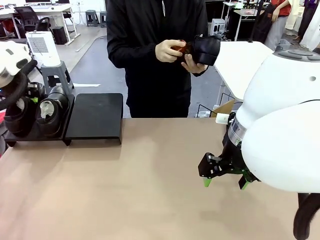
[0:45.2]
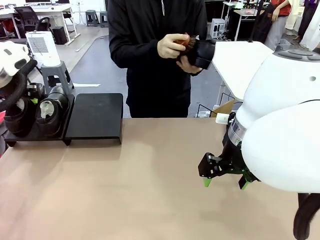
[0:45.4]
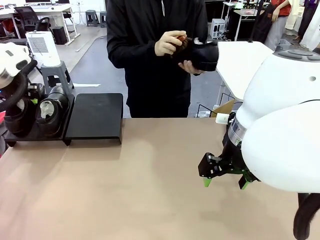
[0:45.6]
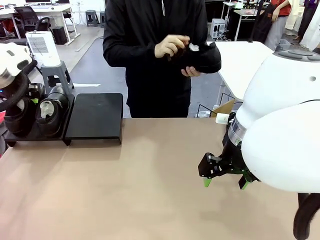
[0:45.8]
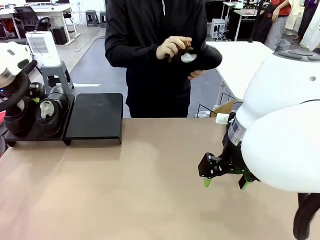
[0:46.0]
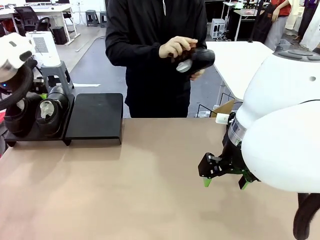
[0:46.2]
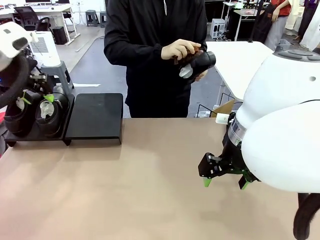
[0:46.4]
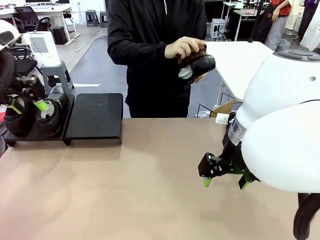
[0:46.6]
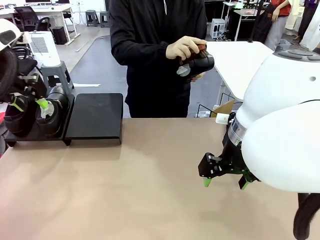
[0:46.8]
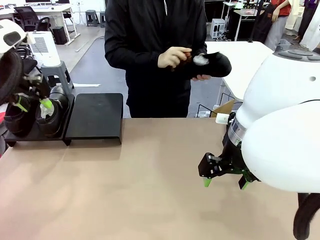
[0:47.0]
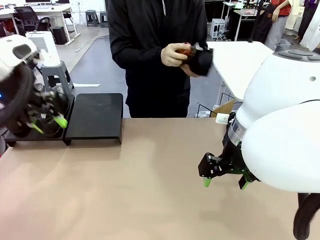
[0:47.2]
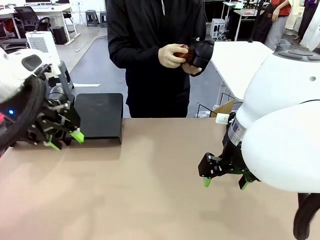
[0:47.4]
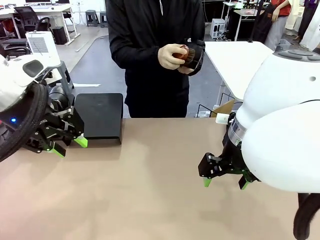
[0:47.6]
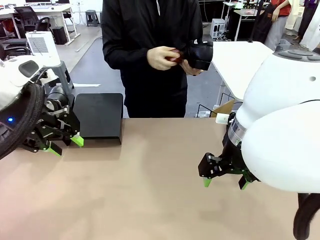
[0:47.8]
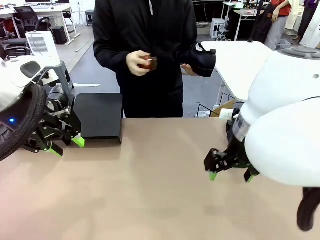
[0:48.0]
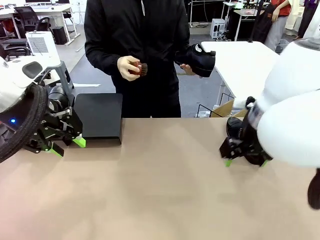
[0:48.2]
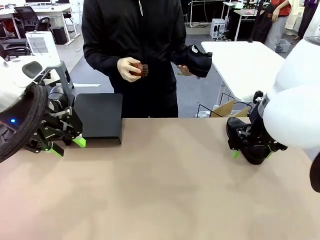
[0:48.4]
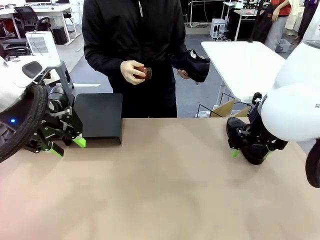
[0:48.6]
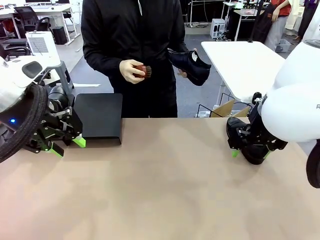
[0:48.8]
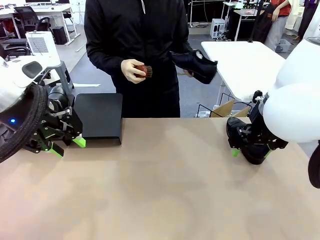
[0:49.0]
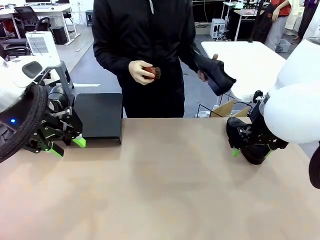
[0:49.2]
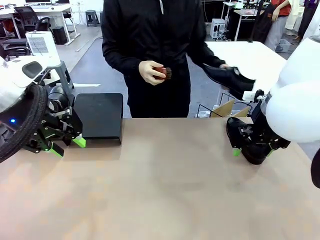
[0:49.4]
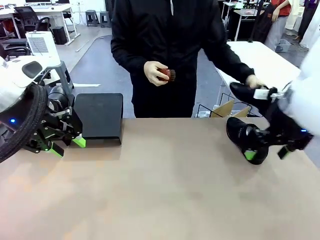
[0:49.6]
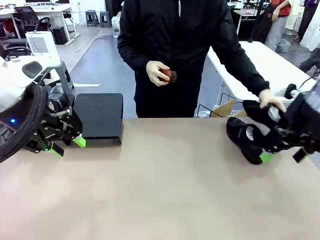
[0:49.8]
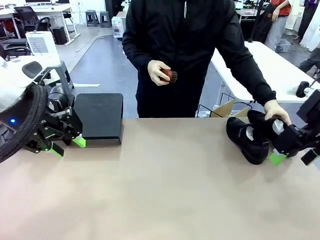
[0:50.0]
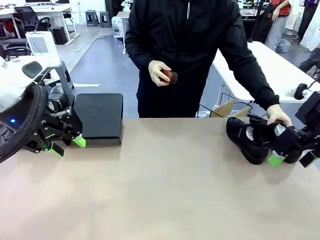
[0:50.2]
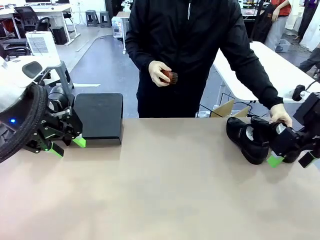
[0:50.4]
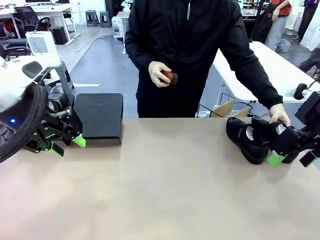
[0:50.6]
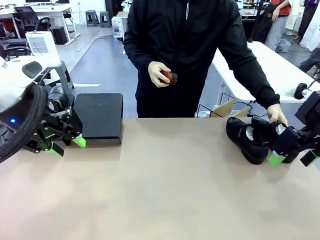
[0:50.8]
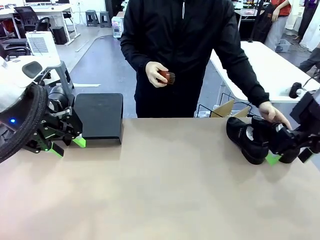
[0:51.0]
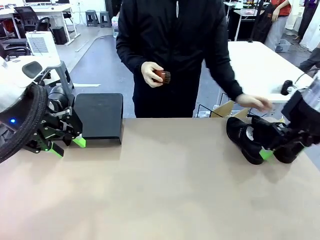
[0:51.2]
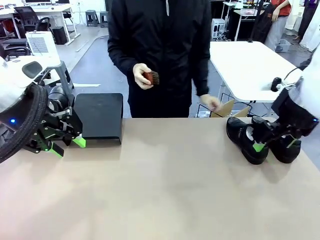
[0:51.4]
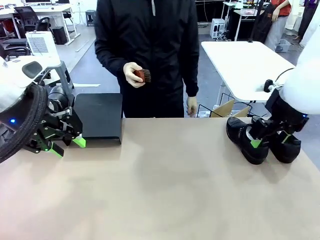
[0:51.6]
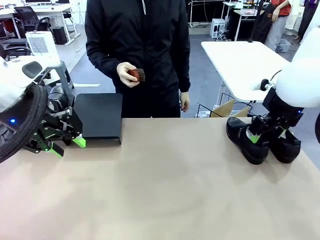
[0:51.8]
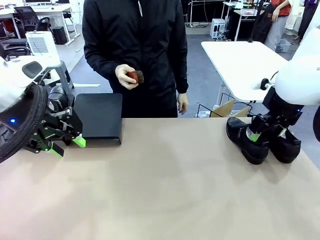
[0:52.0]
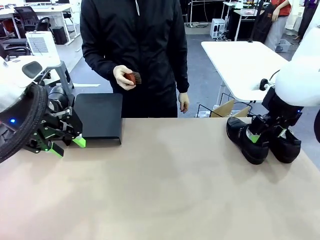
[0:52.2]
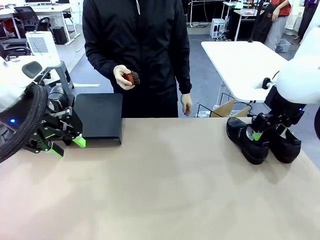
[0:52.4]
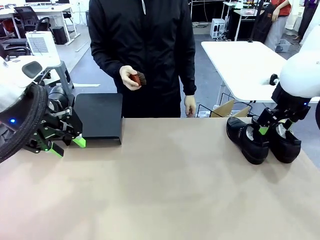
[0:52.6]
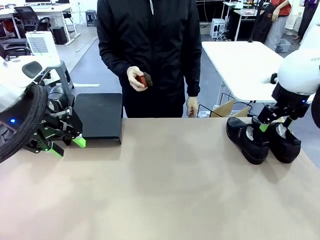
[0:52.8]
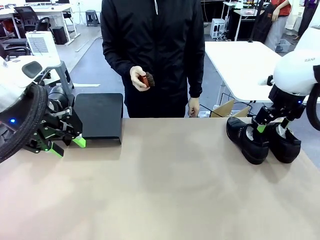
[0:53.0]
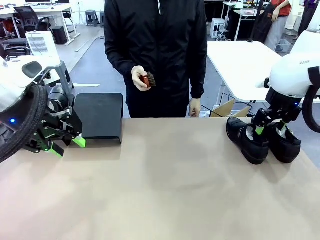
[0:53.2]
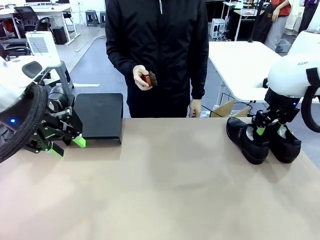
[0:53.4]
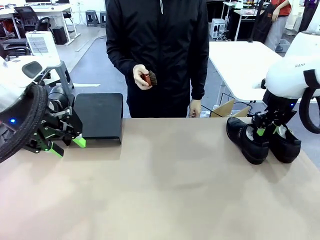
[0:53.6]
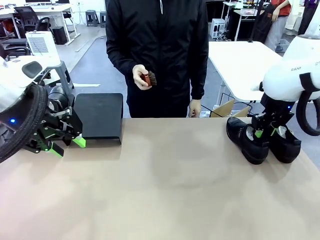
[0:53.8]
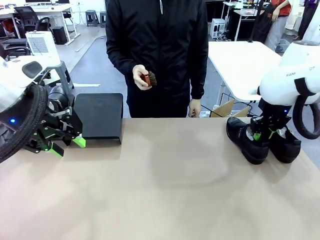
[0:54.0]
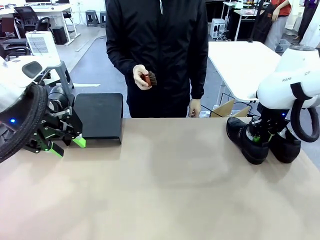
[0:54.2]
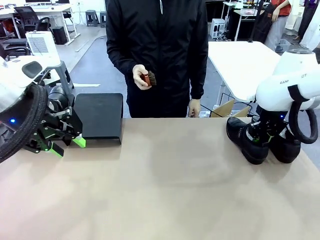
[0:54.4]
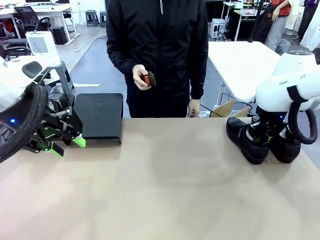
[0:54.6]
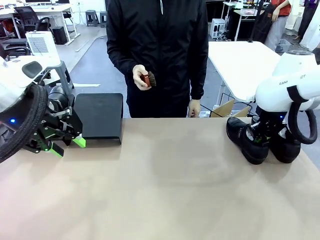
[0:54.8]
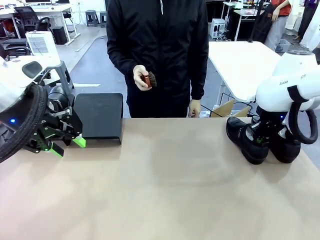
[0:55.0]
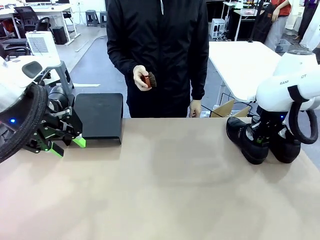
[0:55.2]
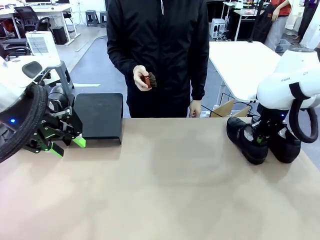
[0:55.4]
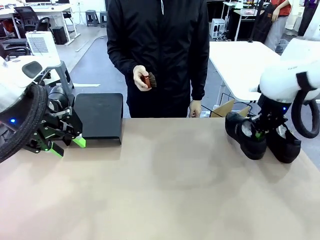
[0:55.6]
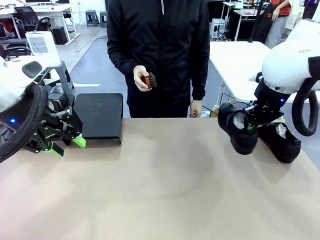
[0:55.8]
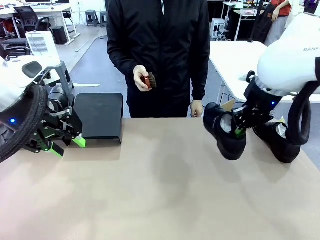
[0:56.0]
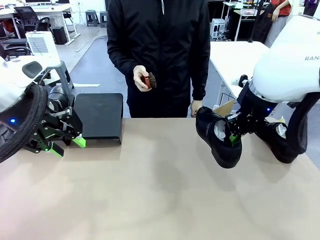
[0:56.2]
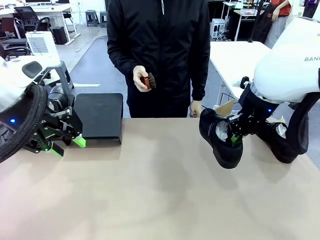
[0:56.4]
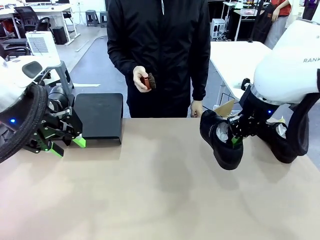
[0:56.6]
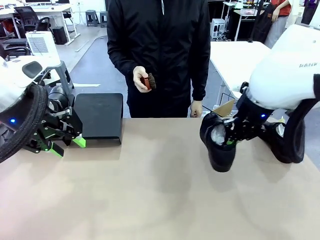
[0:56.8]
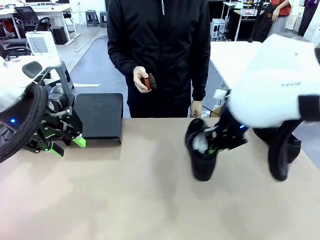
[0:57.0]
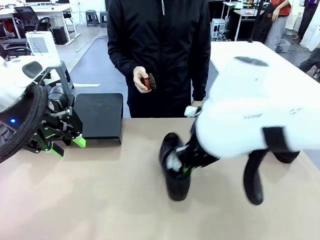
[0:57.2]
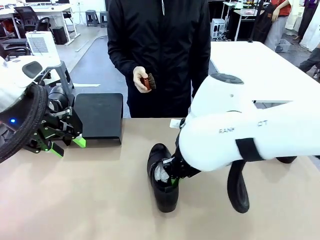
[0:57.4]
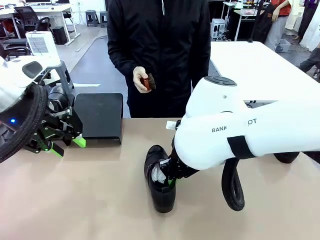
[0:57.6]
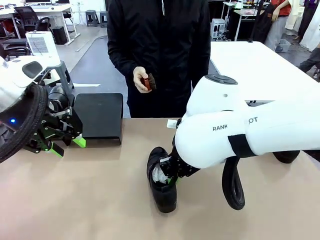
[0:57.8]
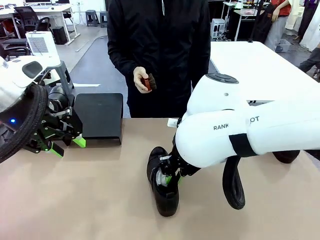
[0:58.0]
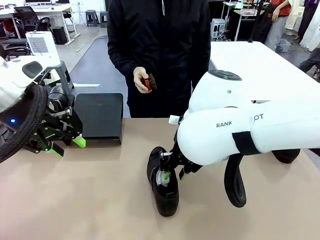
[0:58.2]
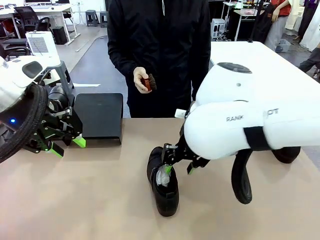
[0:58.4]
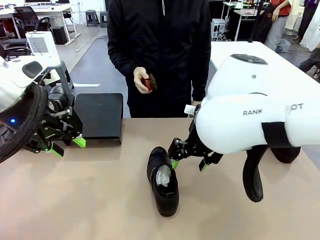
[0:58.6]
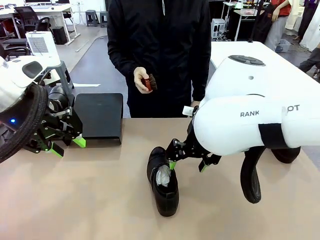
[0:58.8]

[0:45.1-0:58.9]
Task: Organize the shoes by placing them on the stand.
Robot: Pick up one Shoe and place it in the middle of the table.

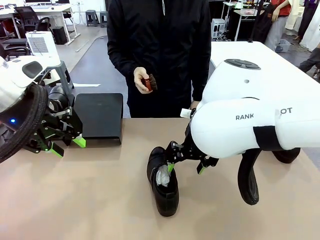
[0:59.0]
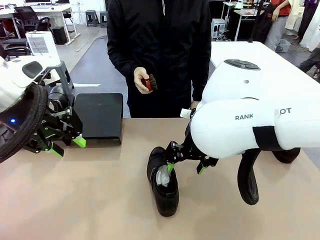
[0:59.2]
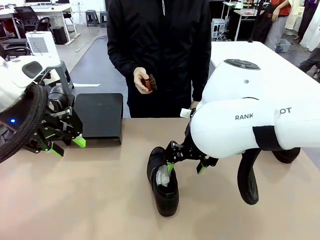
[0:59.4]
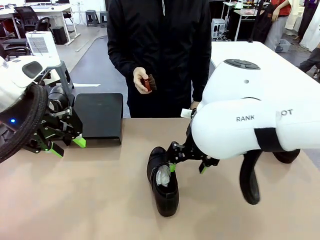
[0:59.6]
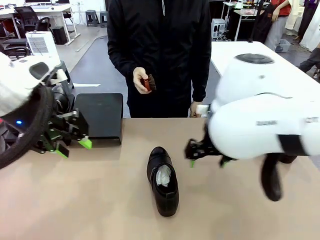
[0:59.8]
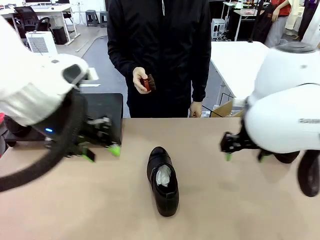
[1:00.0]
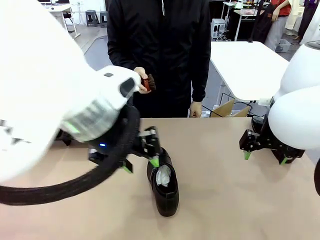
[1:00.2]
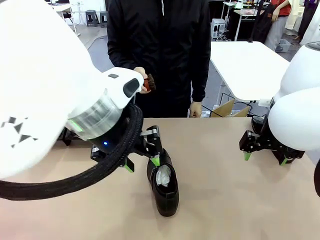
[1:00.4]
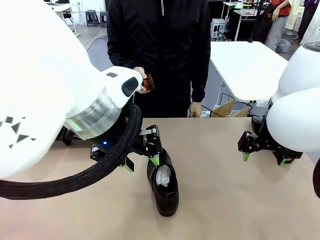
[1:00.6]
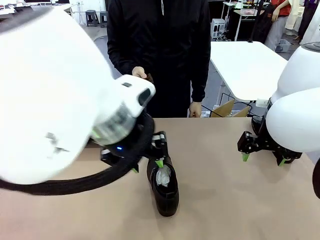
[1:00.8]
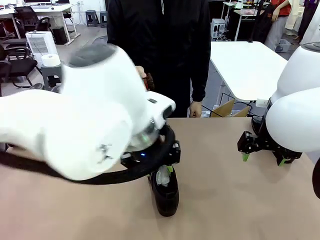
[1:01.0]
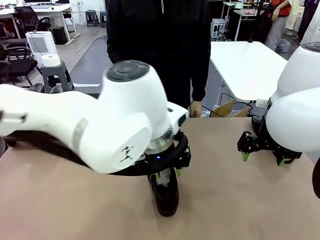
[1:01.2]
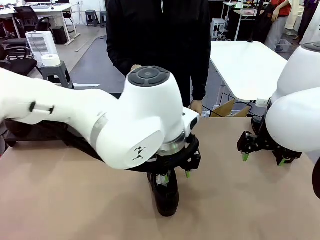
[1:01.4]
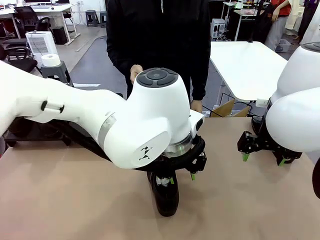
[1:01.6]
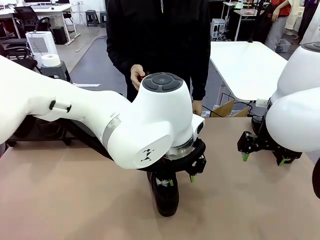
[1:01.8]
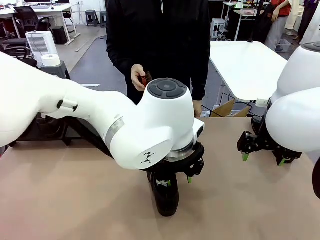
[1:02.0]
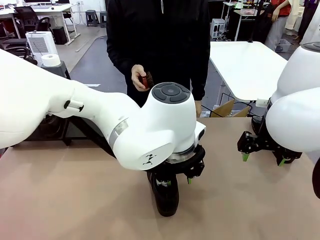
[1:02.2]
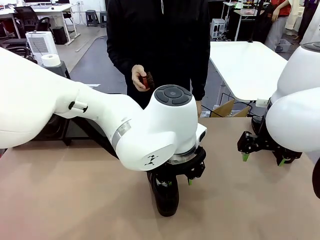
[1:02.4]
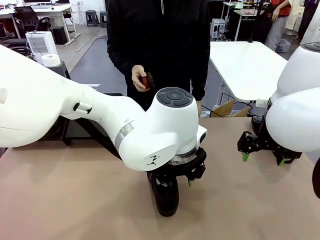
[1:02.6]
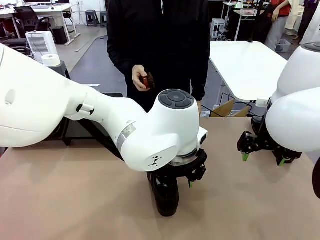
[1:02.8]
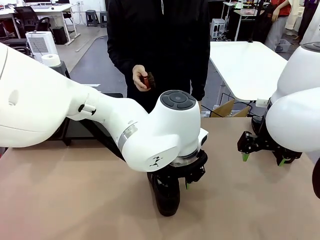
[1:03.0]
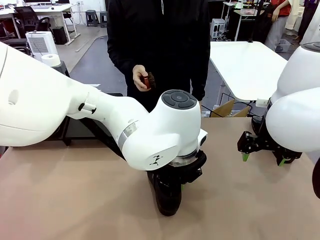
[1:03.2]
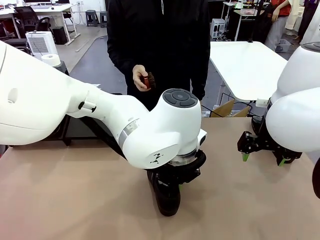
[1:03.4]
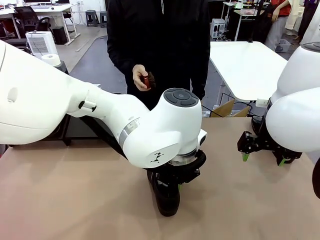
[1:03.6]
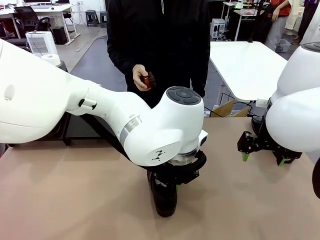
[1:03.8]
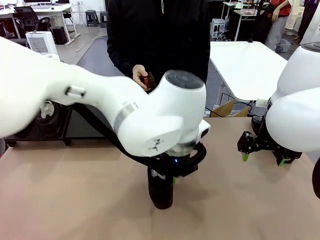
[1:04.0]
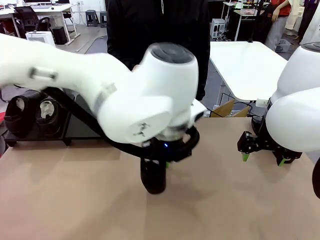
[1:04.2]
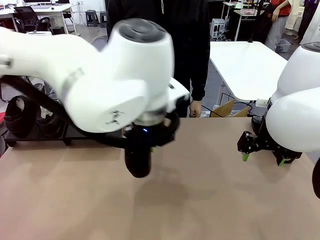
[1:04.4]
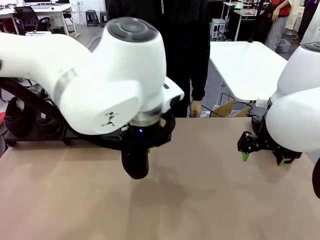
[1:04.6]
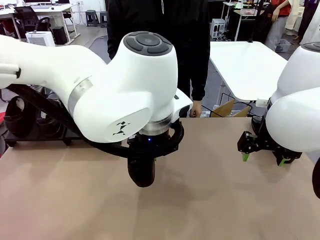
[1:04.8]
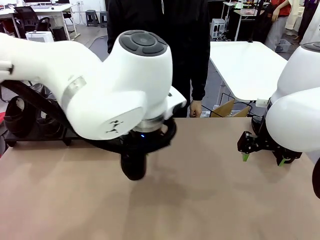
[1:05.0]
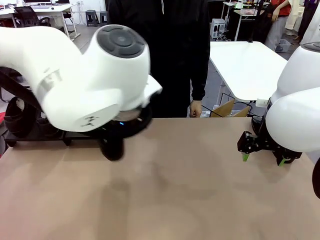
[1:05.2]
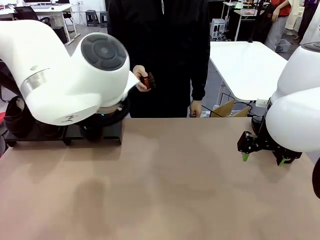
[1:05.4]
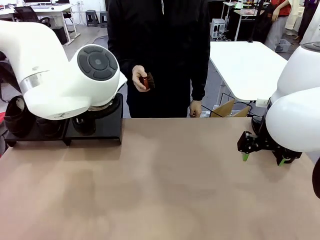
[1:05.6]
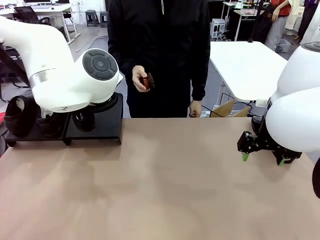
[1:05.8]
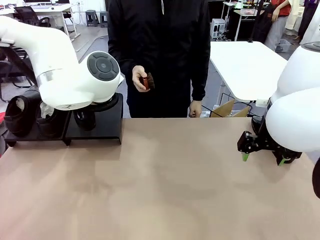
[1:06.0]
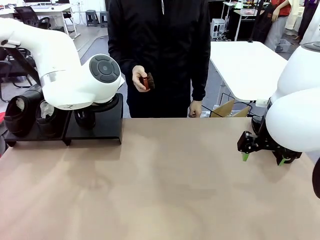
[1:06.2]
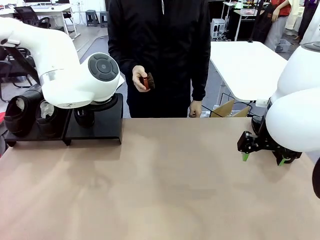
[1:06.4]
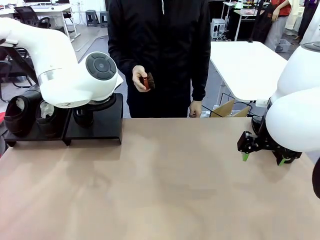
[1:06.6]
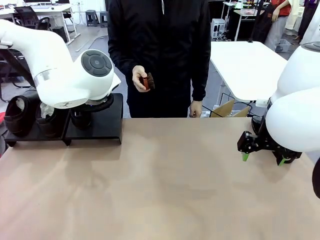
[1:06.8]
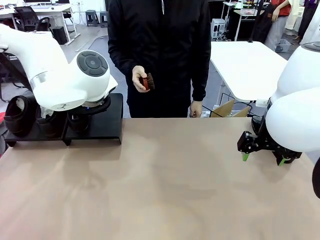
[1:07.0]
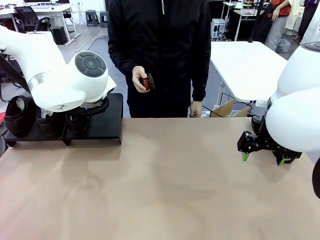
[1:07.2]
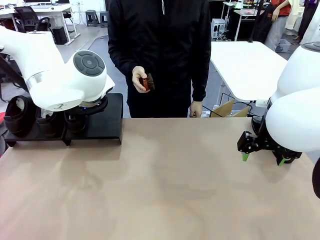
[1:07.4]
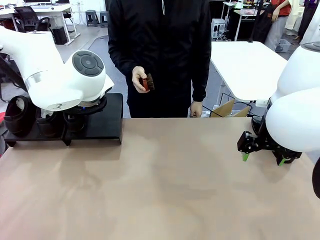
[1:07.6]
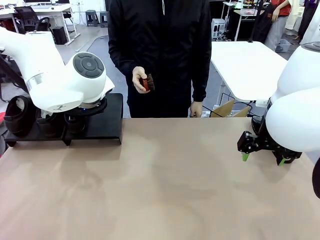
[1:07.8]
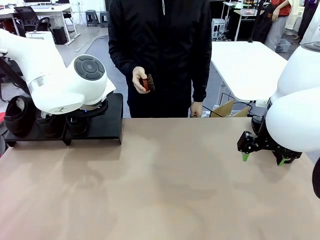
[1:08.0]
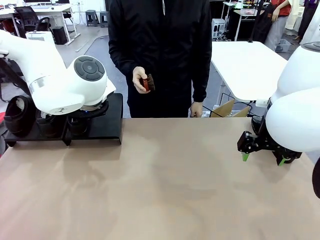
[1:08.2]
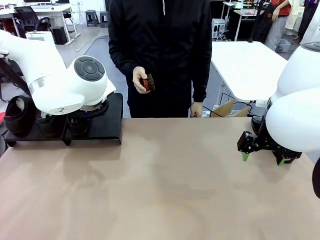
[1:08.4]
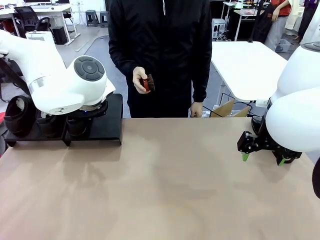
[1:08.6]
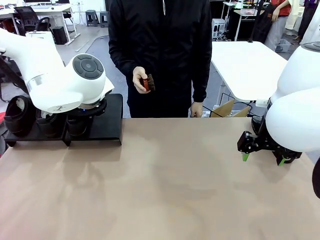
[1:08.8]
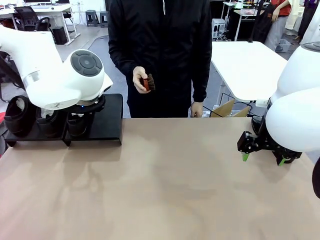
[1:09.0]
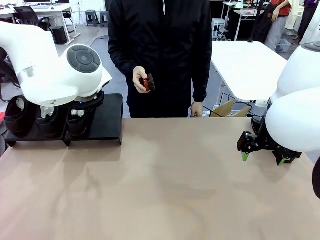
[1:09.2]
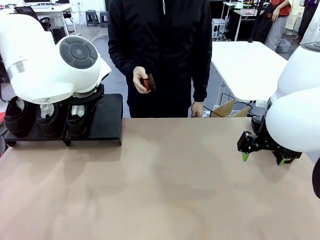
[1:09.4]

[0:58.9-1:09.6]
Robot: Place the Shoe from the middle of the table onto the Shoes Stand.
